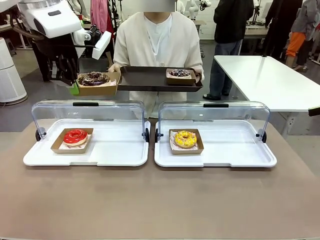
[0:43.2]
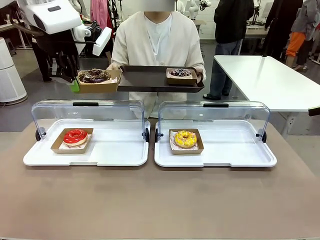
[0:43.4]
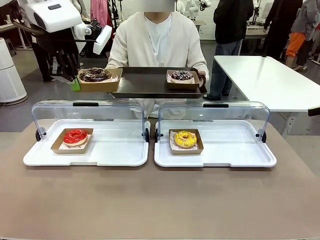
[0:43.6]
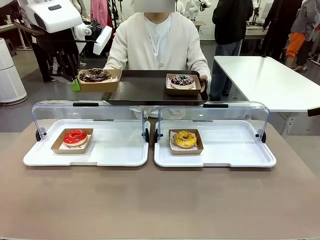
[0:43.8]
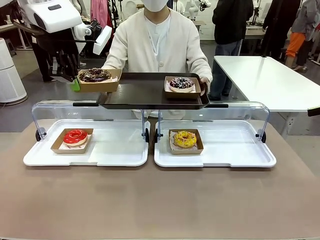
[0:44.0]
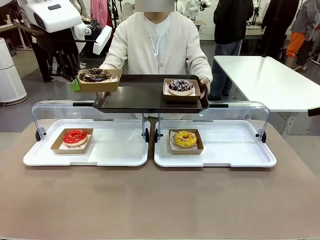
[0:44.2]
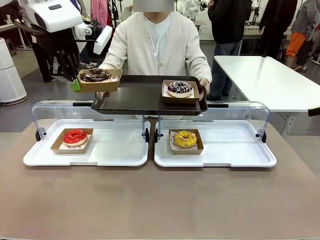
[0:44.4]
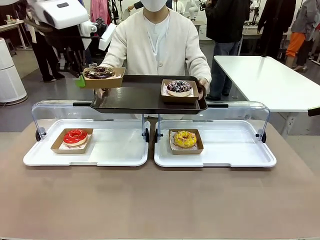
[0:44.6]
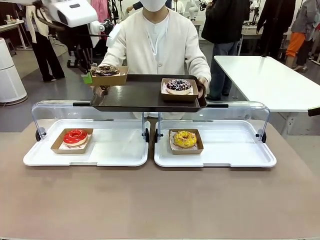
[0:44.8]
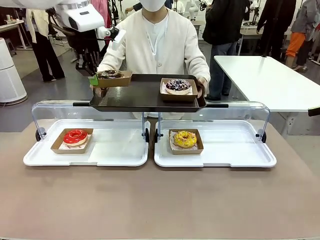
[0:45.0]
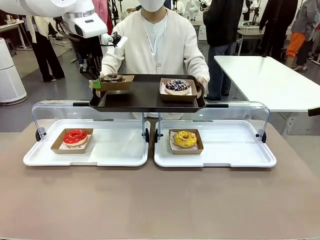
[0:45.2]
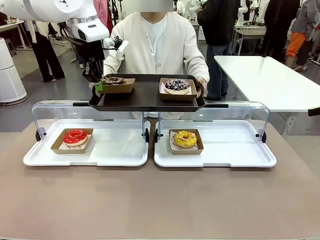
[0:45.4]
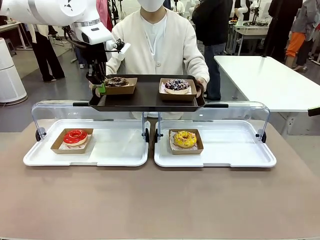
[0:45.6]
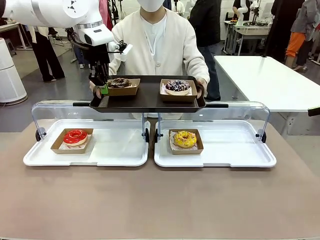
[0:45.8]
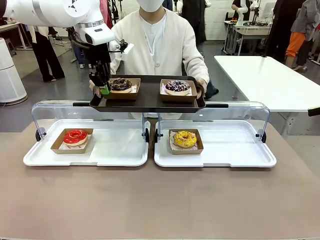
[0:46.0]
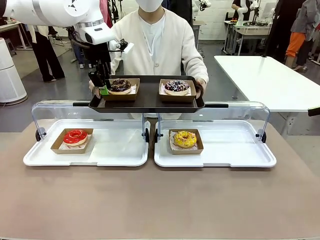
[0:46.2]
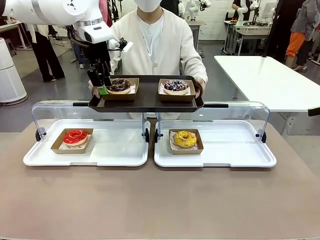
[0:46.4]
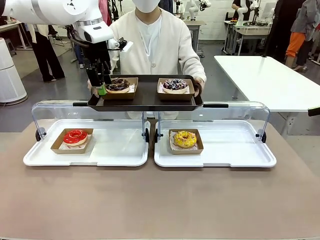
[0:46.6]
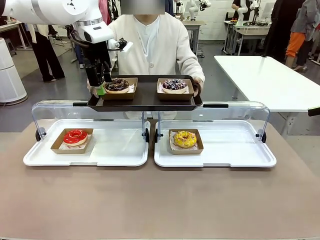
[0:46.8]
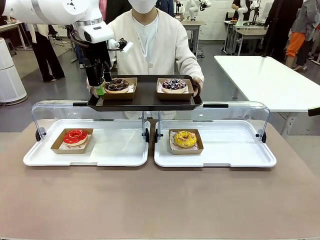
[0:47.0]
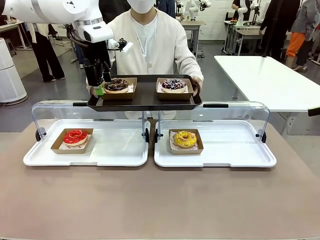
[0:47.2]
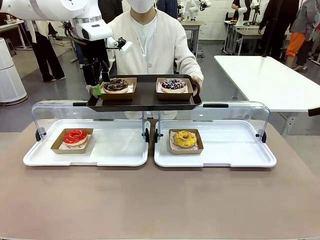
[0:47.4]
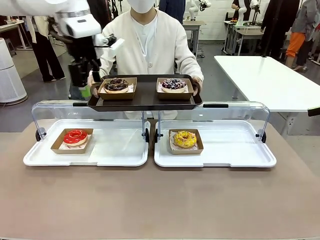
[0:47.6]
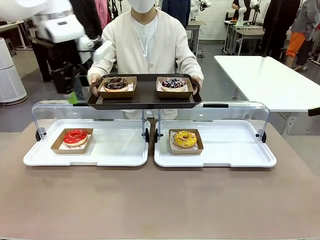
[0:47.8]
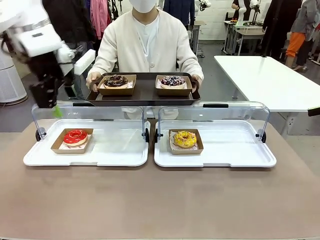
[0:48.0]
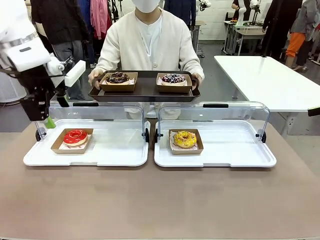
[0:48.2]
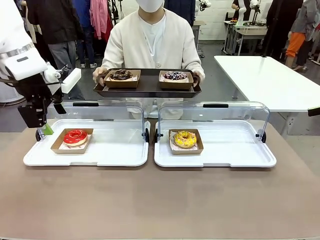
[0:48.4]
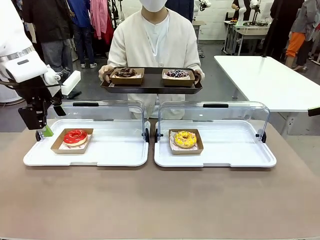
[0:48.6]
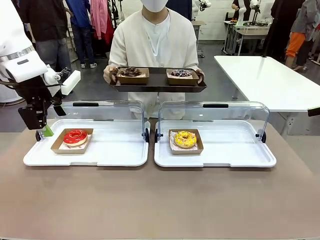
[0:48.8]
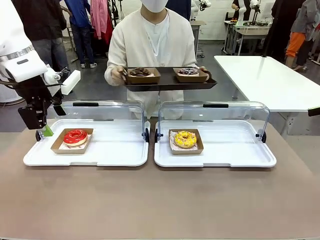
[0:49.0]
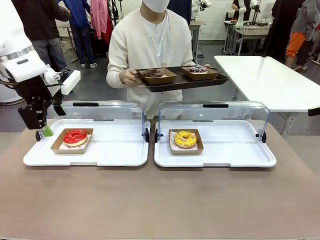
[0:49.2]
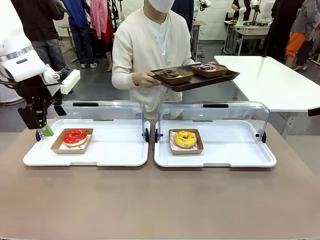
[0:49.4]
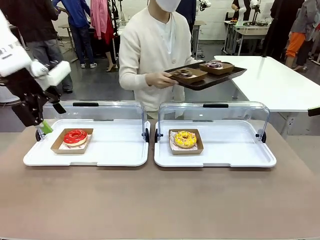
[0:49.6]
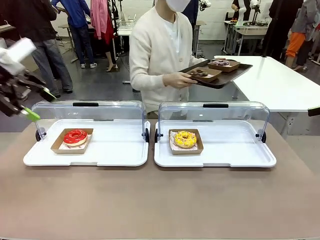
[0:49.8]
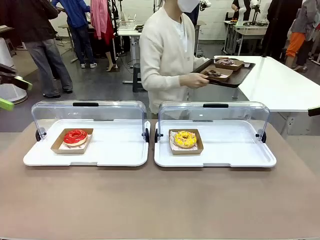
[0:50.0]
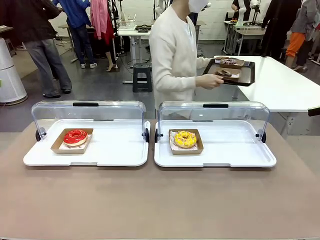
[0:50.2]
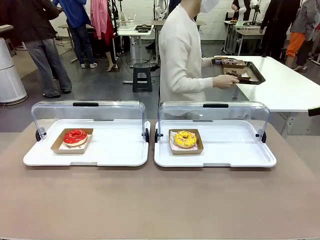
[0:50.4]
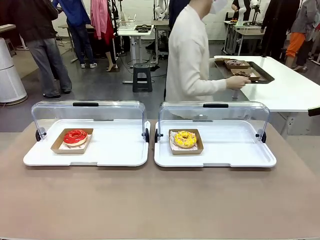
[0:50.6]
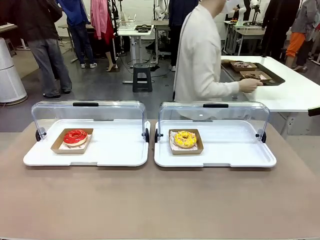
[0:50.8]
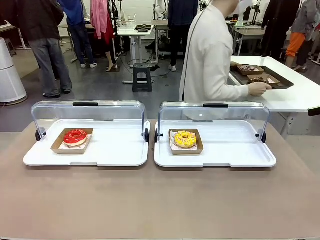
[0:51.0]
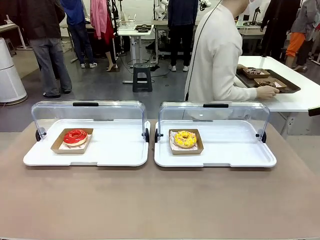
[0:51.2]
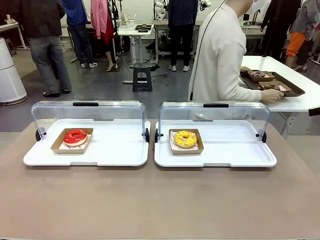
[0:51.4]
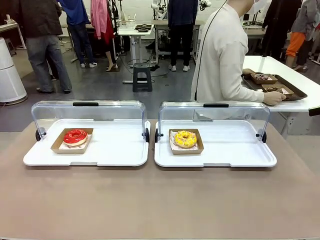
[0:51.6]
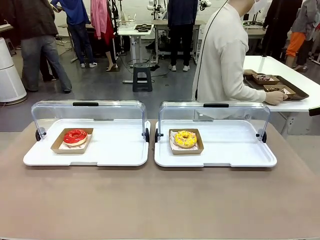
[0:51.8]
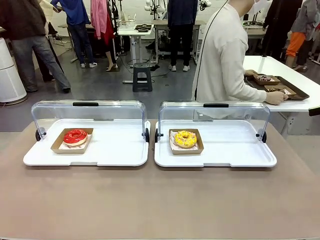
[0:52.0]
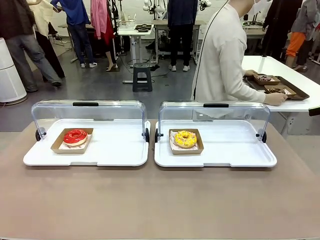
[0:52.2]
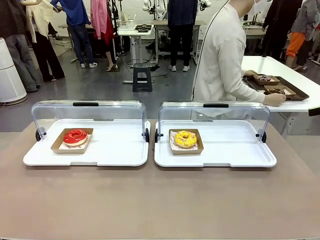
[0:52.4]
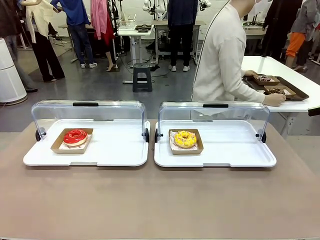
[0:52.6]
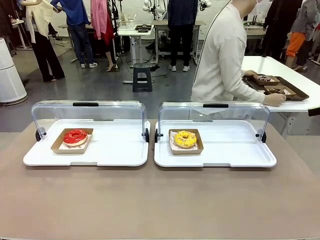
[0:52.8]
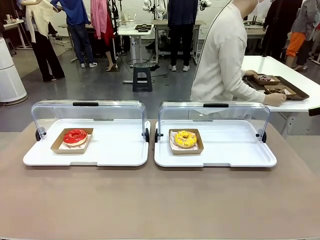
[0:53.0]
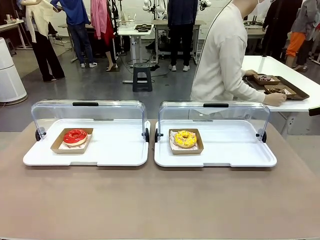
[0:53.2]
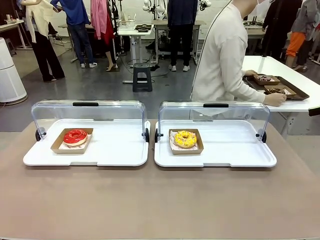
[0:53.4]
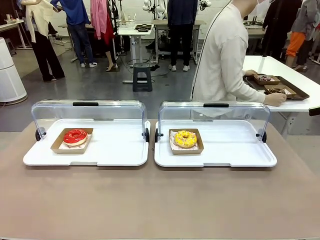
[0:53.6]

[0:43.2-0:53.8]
Task: Provide the desired donut to the person.
Robot: Place the picked Paper togo box onto the Handle tray extended by the person.
Person: Place the tray in the middle of the human table.

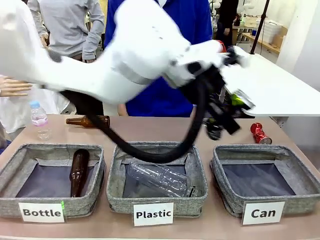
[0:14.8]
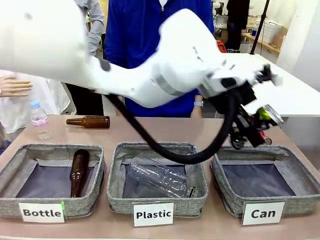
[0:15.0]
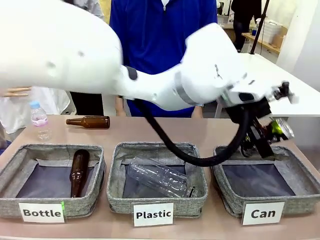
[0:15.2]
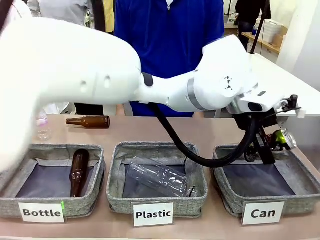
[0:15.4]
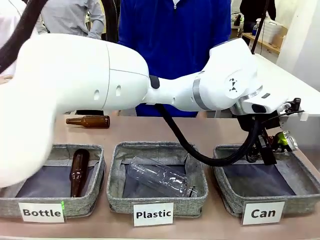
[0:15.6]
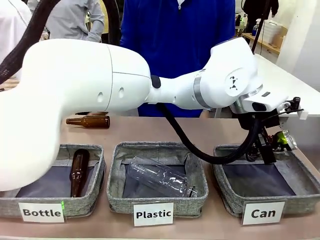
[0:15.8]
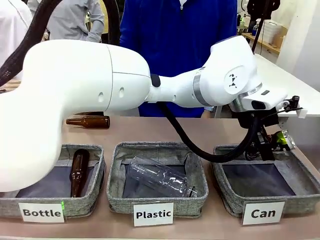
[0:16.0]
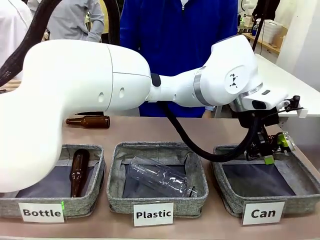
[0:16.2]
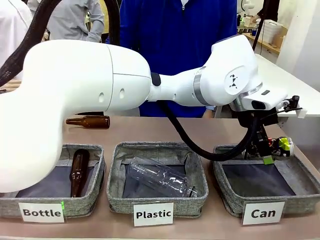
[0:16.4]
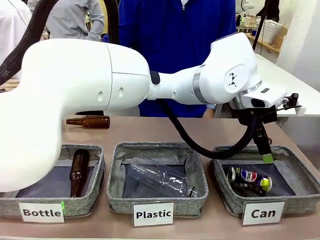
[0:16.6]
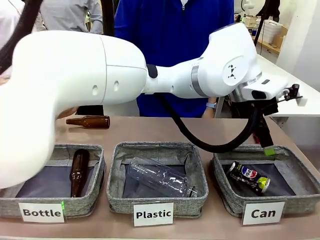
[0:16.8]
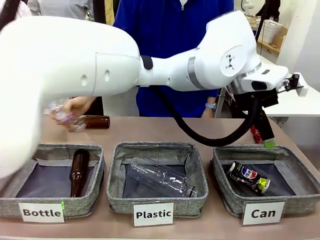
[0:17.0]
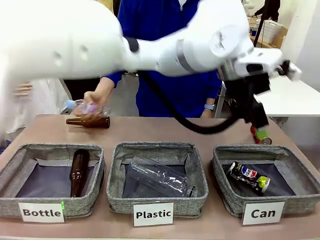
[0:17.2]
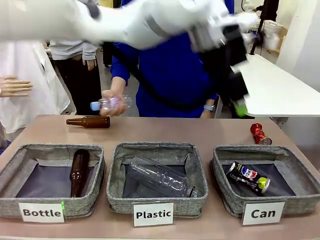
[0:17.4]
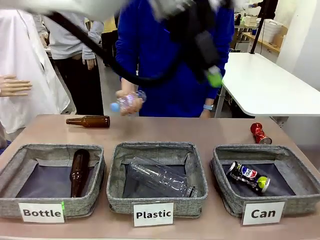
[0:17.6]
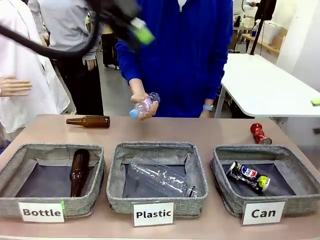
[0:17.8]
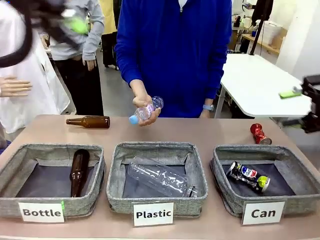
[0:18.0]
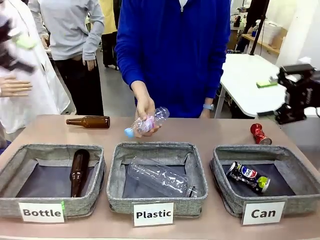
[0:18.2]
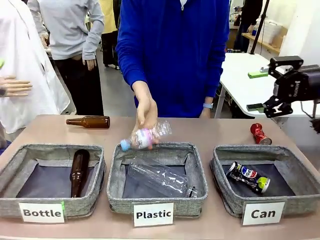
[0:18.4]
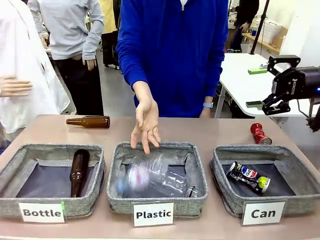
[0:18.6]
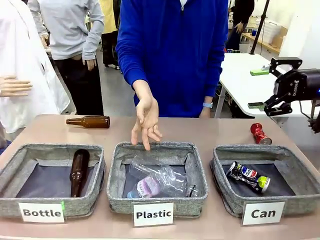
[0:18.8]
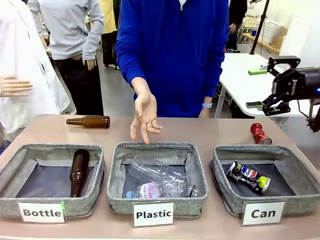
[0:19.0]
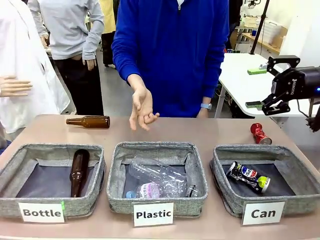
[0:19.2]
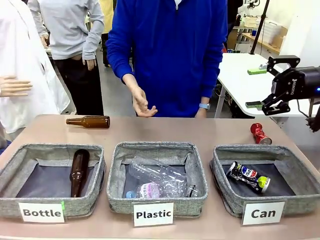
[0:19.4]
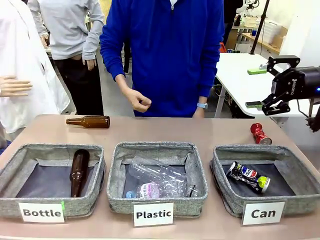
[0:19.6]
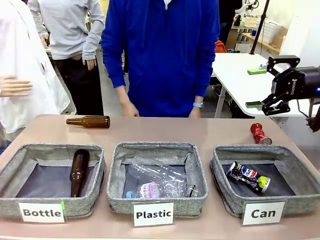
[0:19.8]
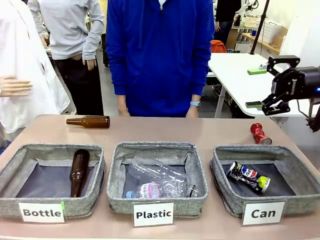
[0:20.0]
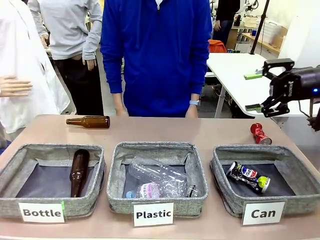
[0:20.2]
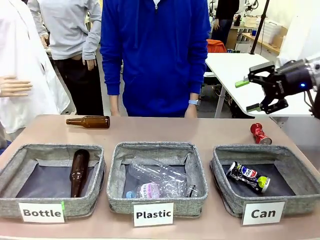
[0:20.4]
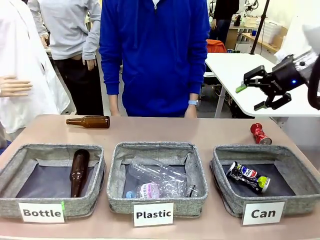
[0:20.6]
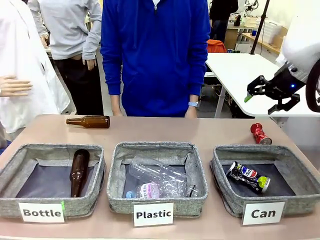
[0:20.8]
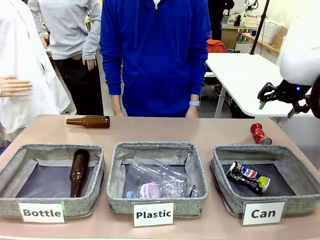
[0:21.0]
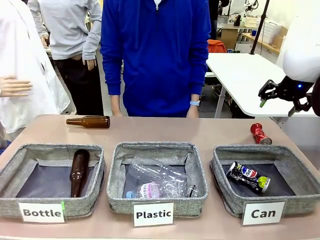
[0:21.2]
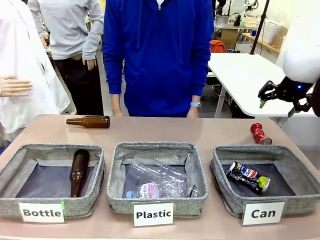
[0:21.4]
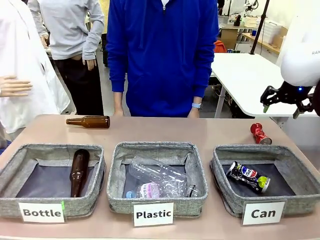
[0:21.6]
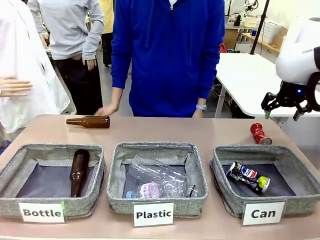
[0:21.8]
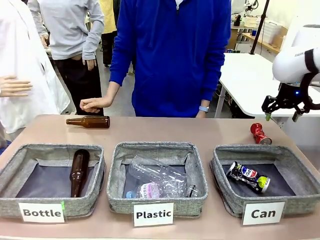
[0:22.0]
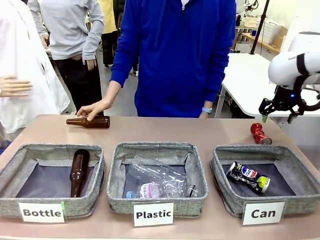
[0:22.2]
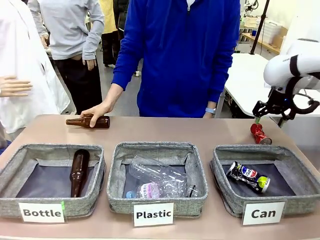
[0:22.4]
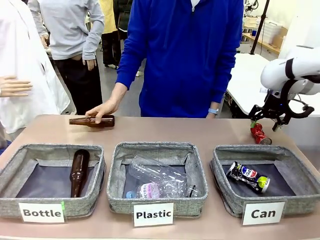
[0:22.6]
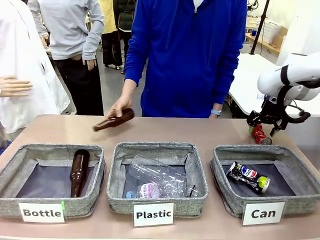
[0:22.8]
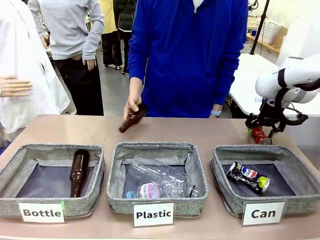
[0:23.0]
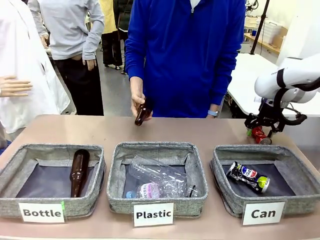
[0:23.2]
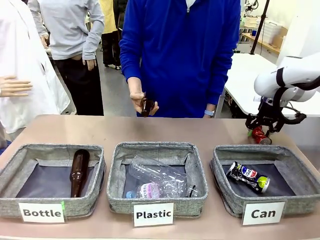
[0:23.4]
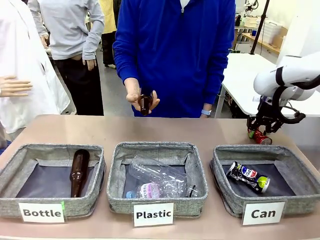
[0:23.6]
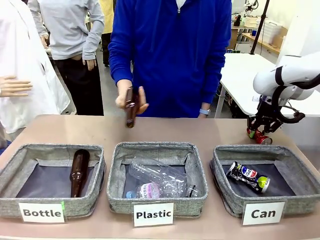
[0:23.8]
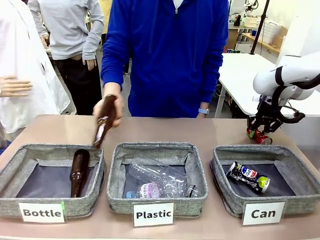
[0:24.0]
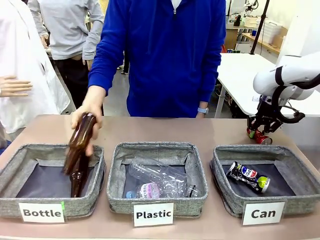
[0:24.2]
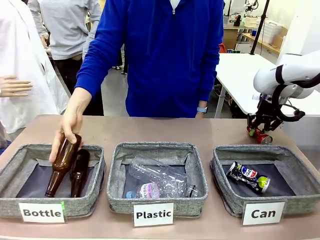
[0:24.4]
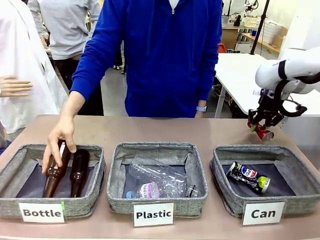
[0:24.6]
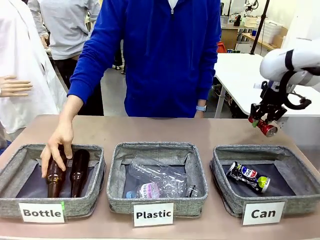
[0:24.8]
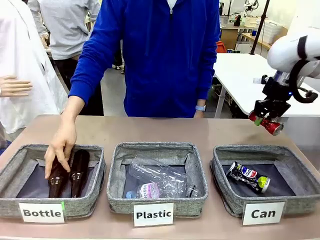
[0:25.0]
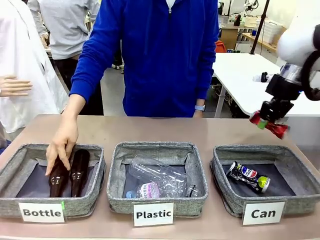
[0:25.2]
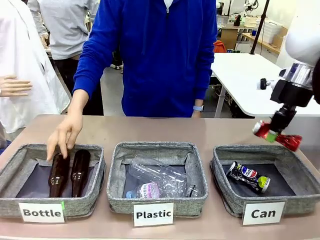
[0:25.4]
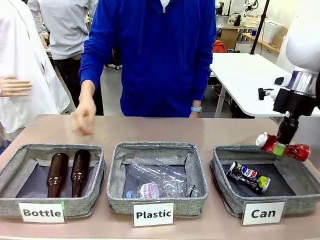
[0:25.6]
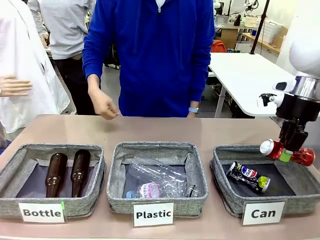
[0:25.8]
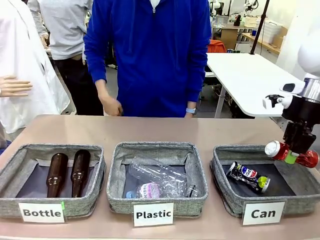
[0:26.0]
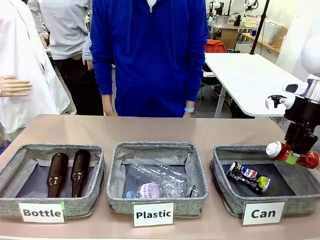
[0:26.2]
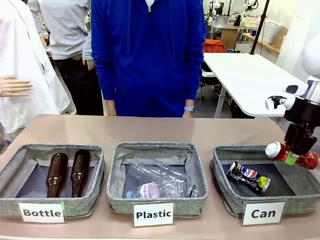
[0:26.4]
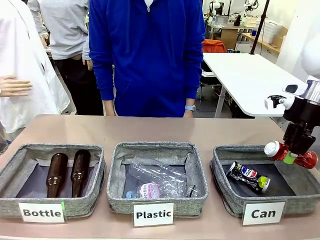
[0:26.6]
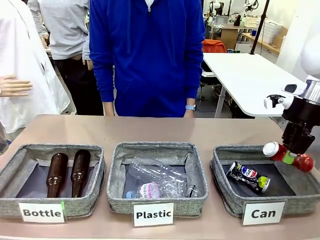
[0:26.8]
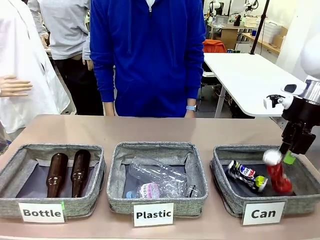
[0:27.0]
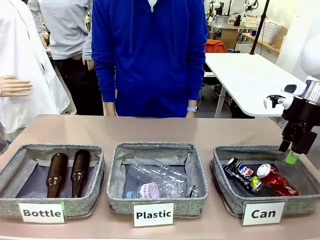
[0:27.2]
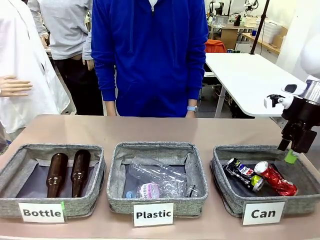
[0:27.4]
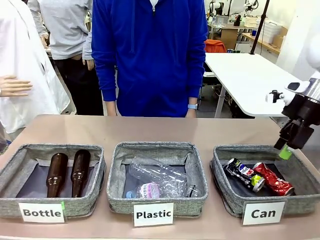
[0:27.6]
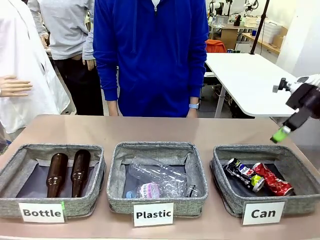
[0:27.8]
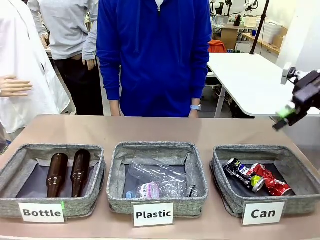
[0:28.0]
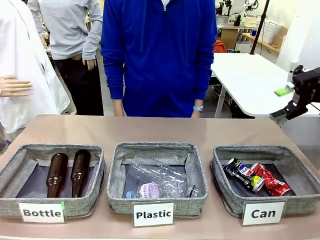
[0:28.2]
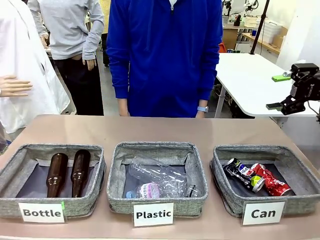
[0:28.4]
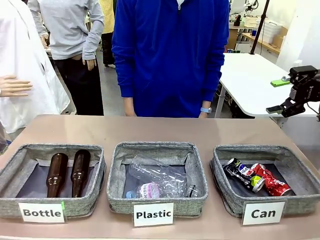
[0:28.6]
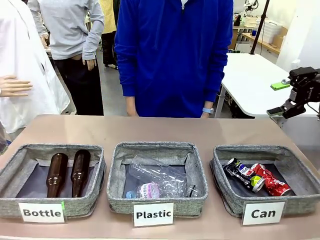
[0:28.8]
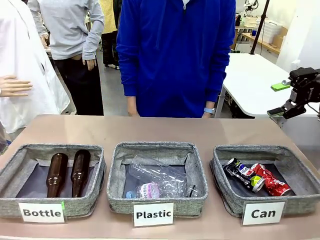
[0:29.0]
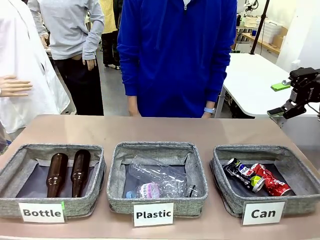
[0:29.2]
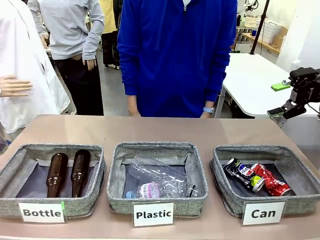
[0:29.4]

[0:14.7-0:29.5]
Task: Sort the can waste into the basket.
Robot: Pick up the can waste from the table and place it in the right Fabric basket.
Person: The human picks up one piece of trash that is not a can and places the trash into the appropriate organizing basket.
